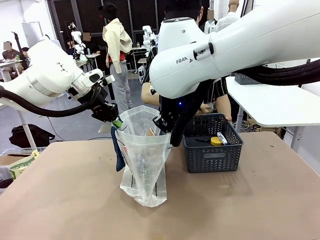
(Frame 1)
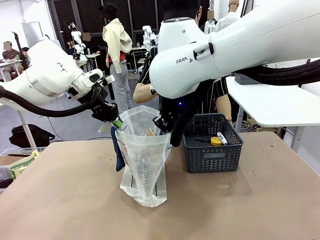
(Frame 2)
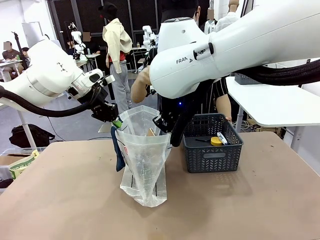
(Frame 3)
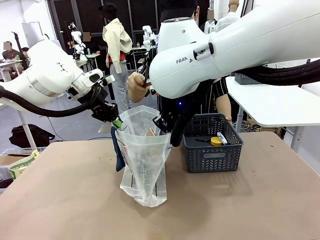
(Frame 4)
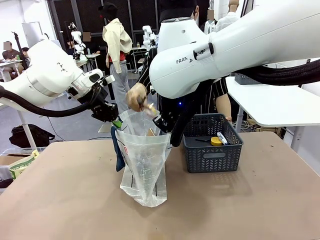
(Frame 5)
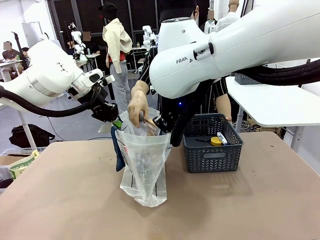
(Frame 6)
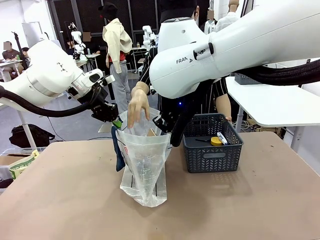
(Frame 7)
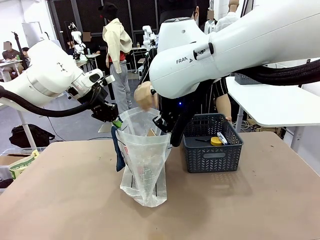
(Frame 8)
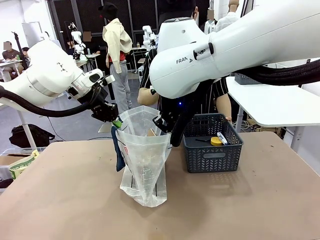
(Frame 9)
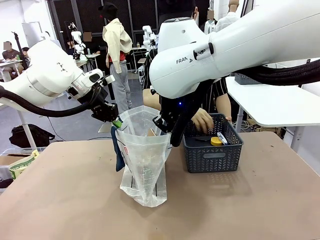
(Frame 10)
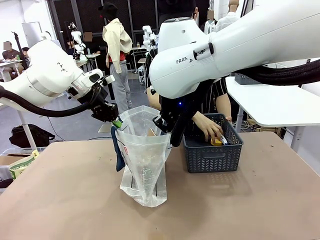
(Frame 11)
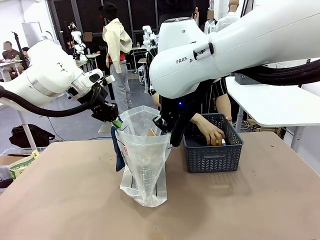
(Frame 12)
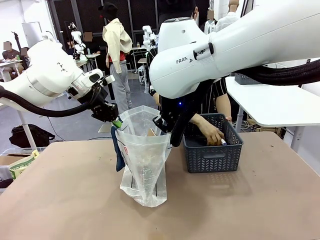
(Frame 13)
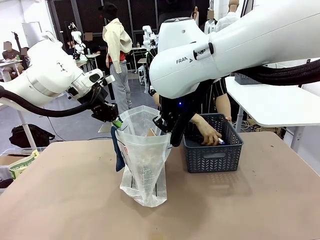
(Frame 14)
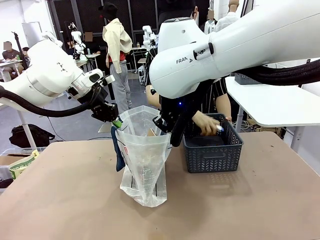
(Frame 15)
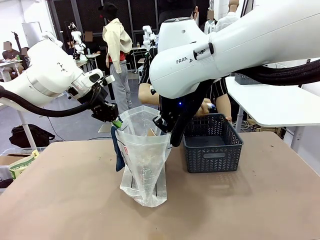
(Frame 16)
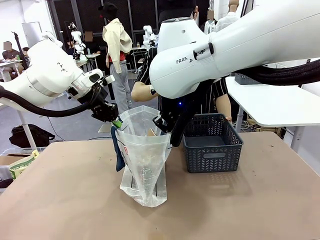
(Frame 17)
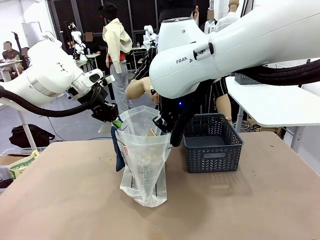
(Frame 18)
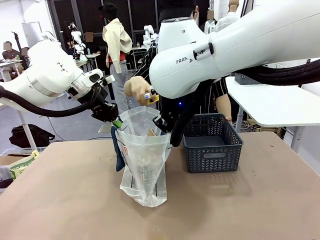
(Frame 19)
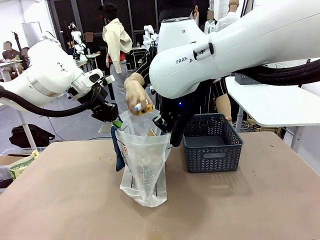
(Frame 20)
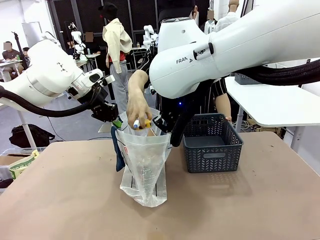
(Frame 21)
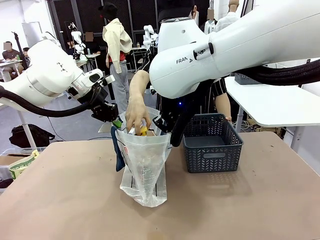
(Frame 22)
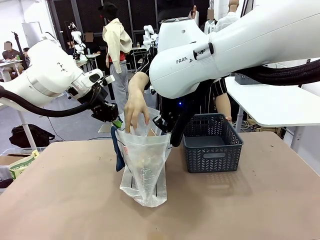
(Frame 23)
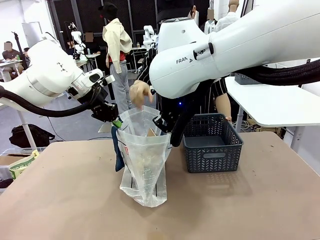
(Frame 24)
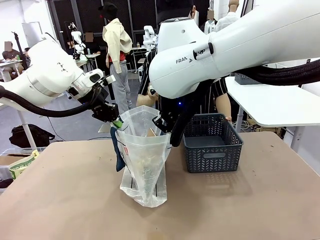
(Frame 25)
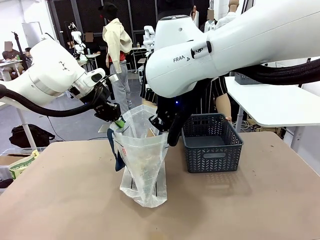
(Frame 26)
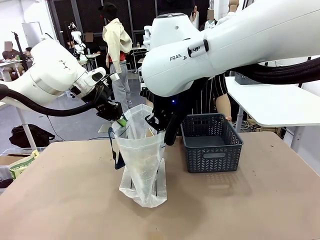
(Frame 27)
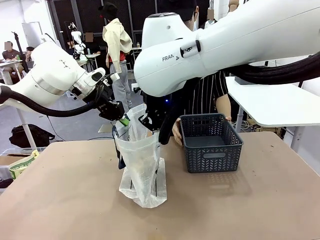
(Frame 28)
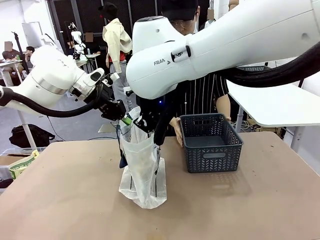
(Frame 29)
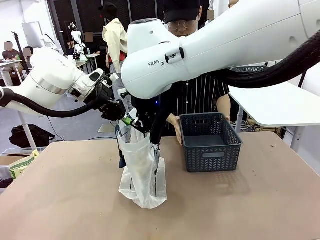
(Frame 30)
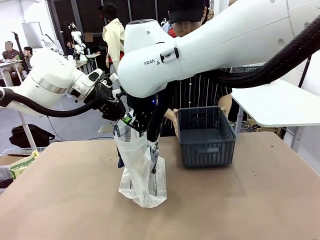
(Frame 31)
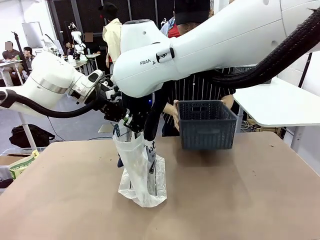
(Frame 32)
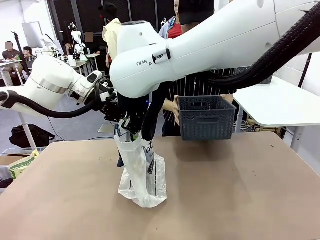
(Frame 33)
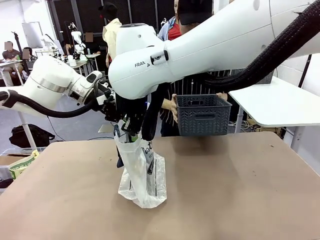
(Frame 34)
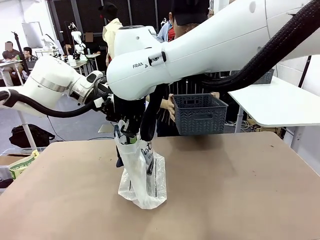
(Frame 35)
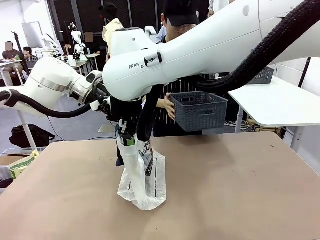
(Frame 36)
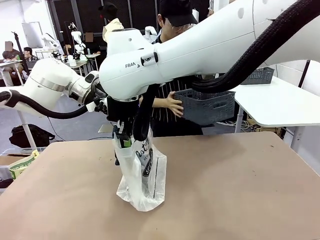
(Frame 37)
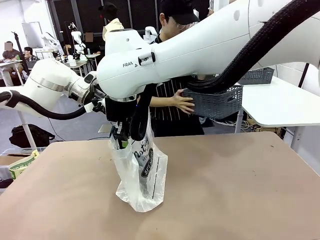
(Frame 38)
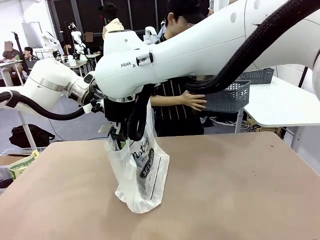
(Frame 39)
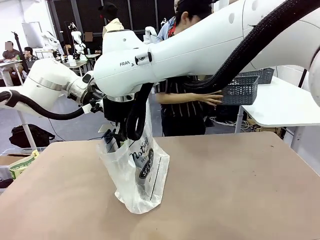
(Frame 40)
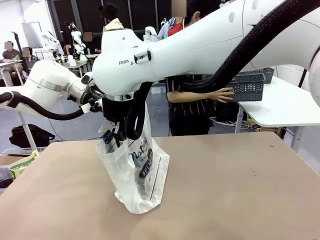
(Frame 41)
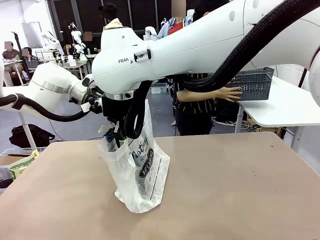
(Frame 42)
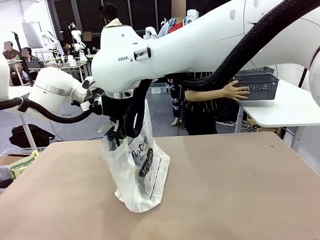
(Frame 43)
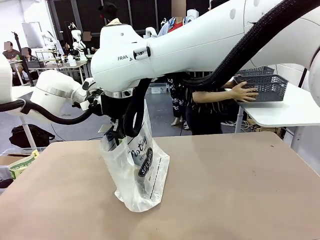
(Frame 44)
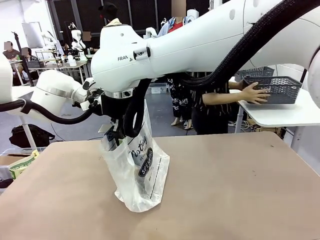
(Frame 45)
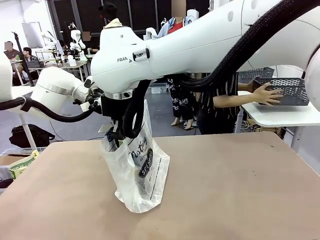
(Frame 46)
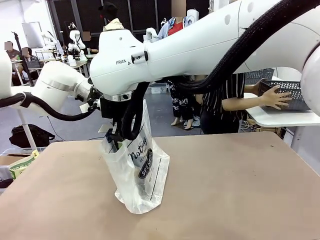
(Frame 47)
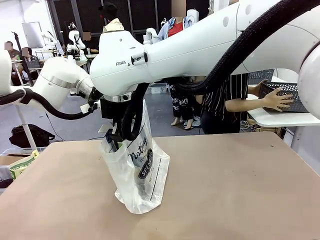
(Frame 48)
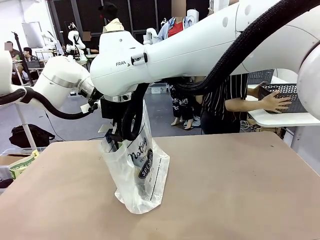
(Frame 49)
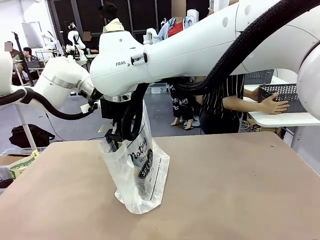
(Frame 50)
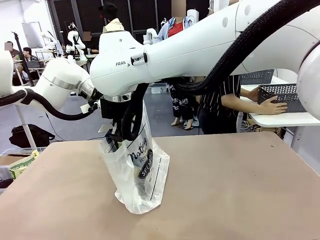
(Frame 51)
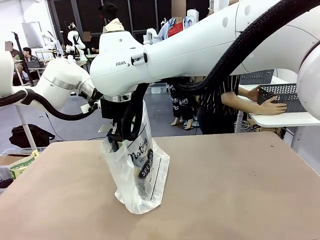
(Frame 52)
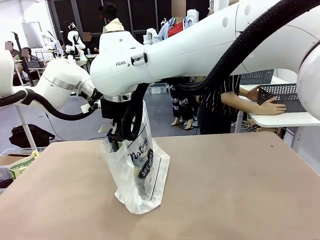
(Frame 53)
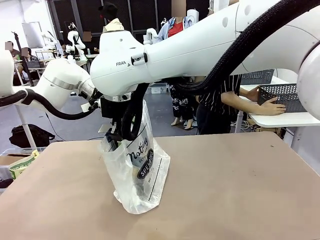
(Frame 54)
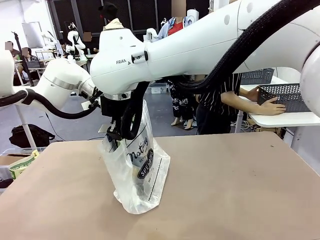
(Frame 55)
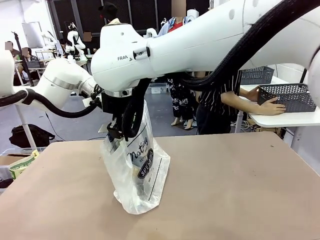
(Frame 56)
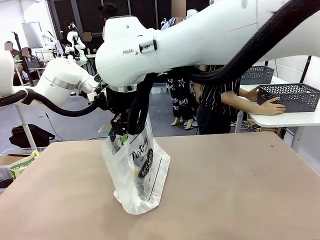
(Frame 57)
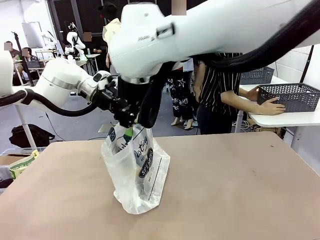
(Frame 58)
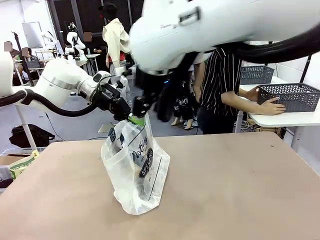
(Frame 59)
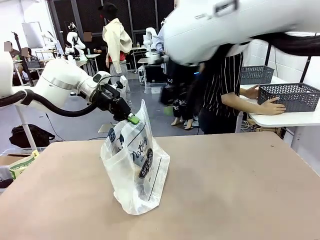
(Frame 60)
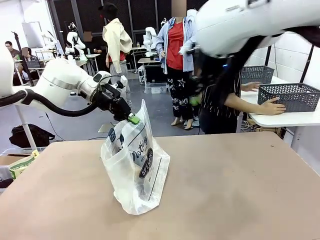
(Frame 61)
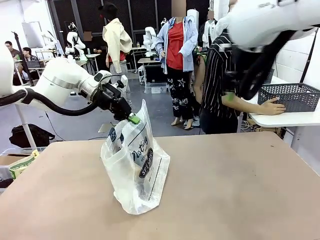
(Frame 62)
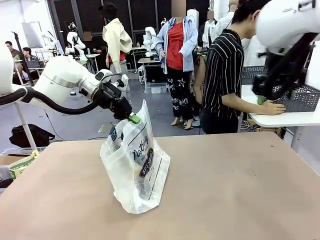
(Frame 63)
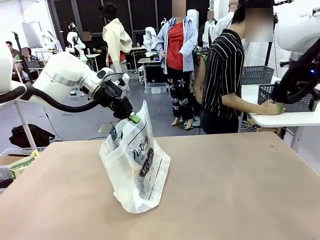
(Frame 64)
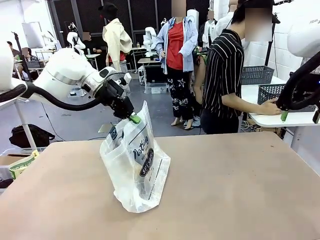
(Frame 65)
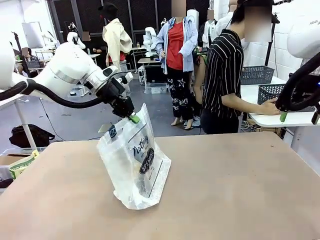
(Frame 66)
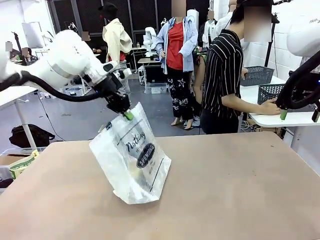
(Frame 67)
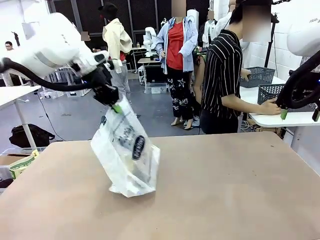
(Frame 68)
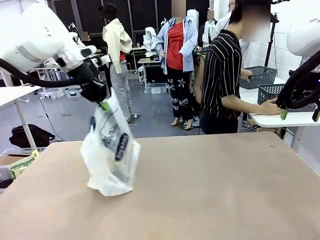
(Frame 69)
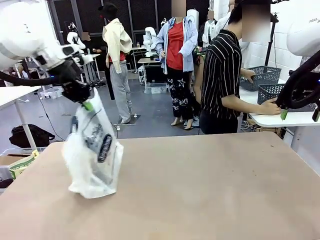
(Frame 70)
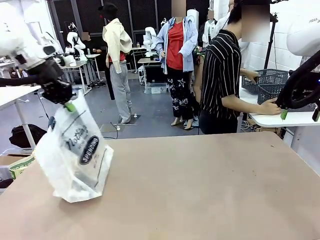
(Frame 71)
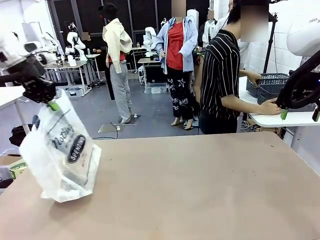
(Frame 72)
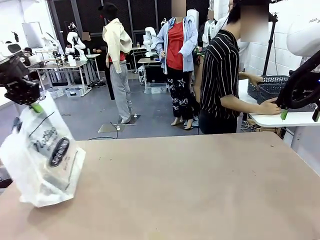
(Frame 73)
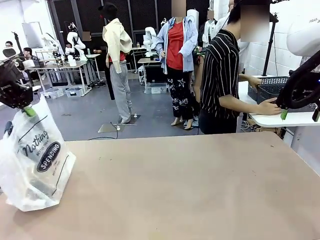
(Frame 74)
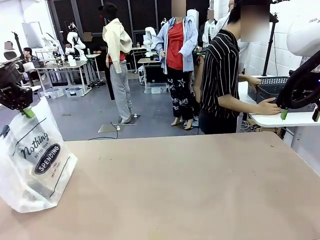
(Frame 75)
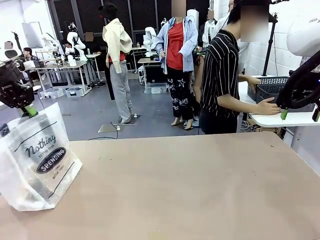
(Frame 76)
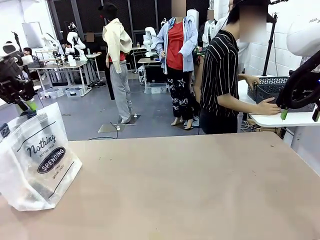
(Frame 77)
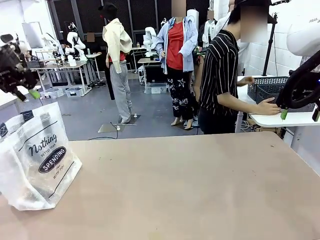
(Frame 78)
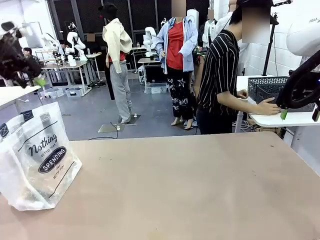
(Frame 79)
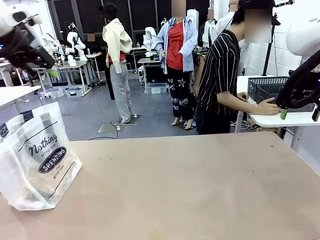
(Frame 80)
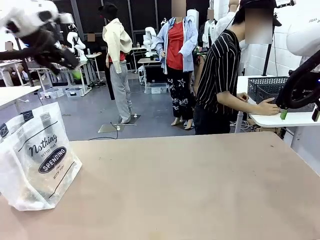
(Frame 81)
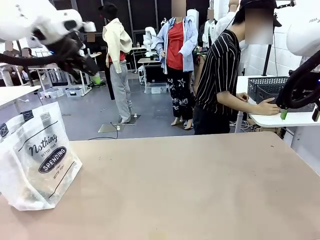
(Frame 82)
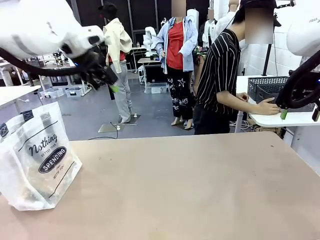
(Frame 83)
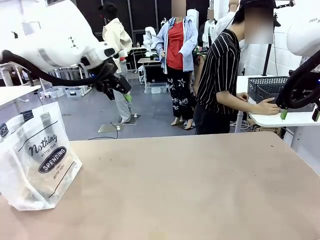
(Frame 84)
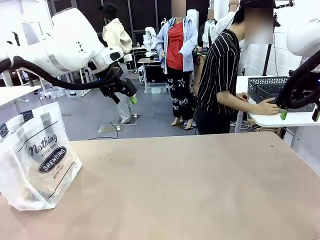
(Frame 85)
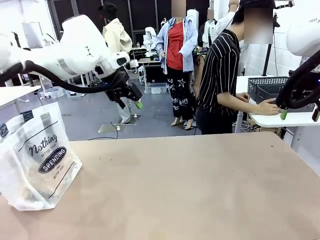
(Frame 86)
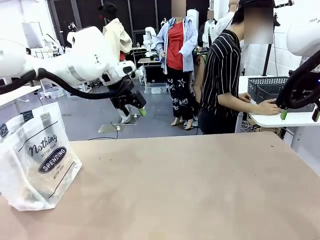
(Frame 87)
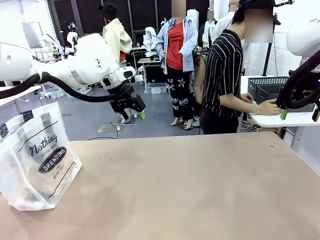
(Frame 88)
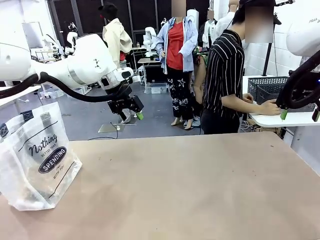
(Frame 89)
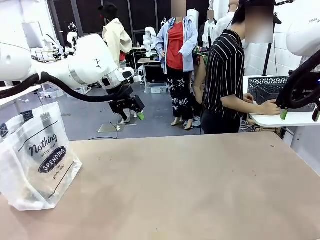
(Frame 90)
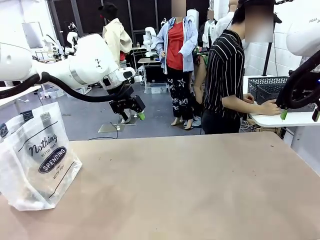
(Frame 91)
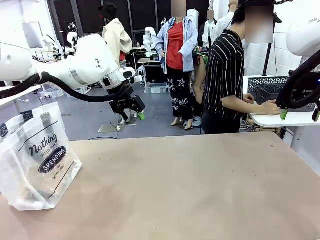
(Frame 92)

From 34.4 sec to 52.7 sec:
Task: Transfer purchased items from the store into the shopping bag.
Robot: Move the Reusable shopping bag to the right side of the table.
Person: Move the basket on the left to the middle of the person's table.
